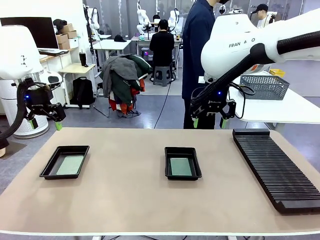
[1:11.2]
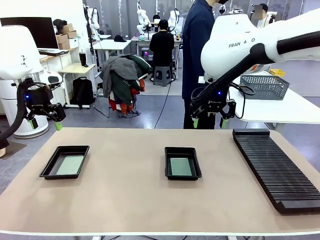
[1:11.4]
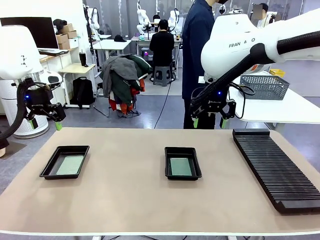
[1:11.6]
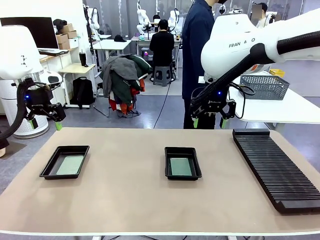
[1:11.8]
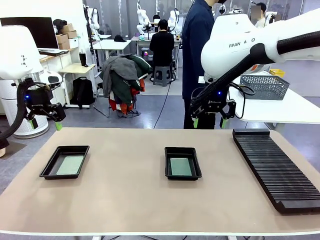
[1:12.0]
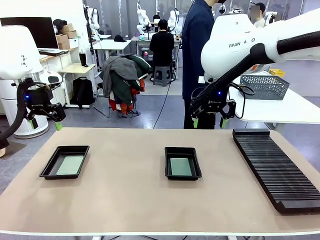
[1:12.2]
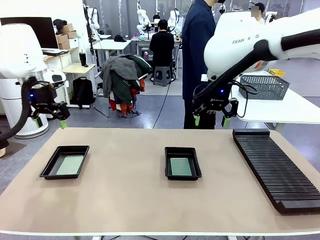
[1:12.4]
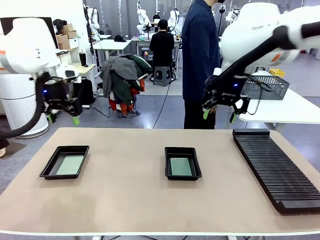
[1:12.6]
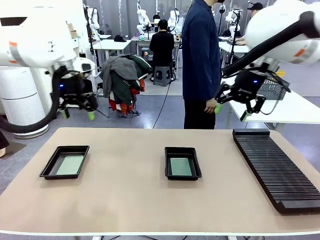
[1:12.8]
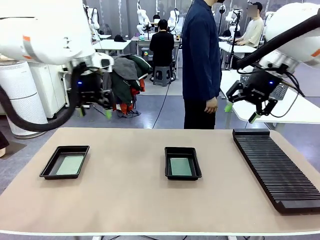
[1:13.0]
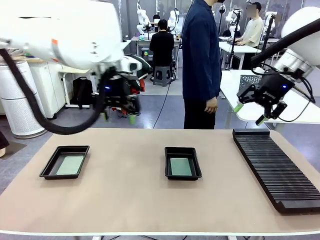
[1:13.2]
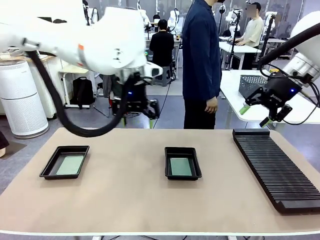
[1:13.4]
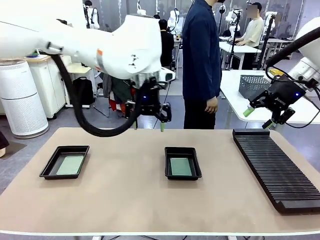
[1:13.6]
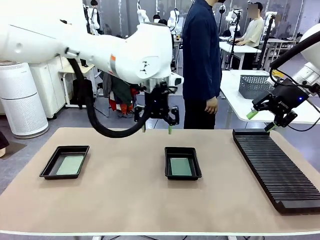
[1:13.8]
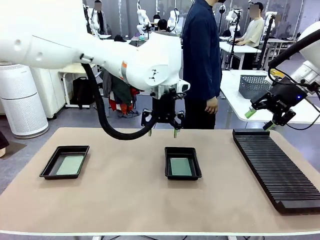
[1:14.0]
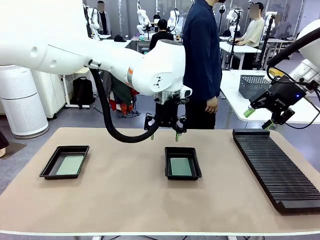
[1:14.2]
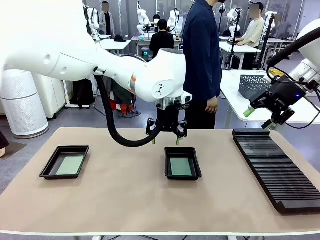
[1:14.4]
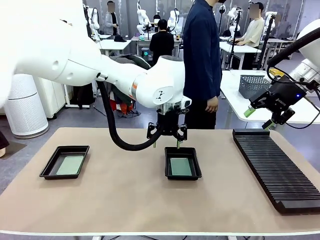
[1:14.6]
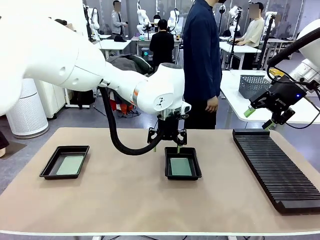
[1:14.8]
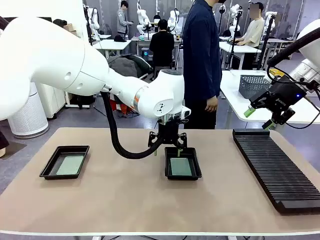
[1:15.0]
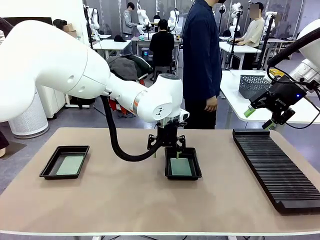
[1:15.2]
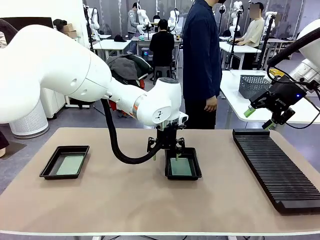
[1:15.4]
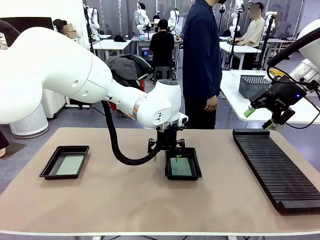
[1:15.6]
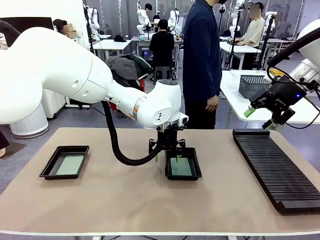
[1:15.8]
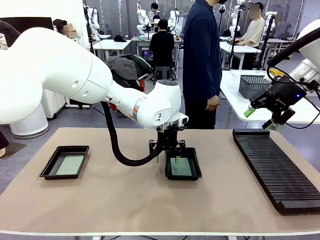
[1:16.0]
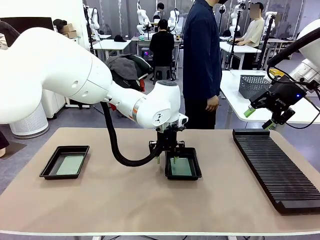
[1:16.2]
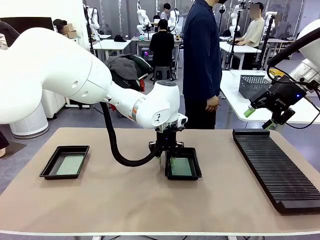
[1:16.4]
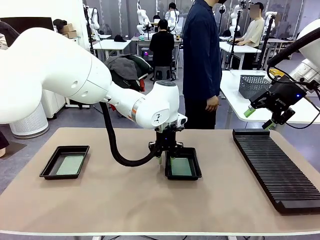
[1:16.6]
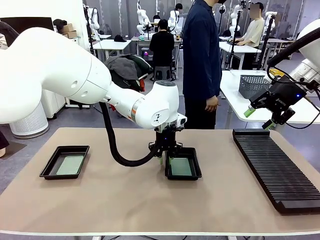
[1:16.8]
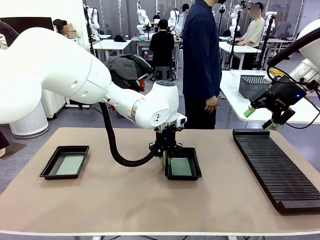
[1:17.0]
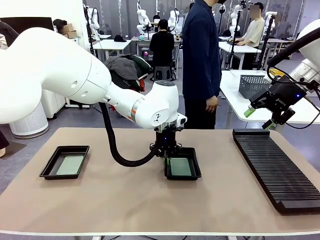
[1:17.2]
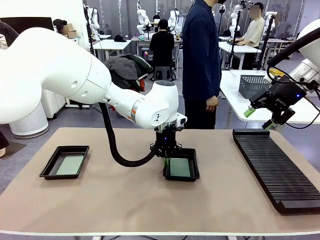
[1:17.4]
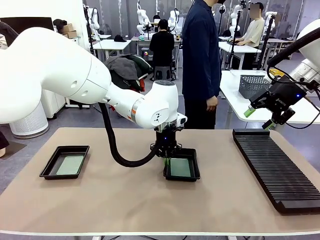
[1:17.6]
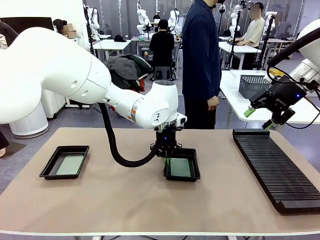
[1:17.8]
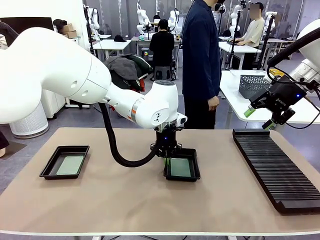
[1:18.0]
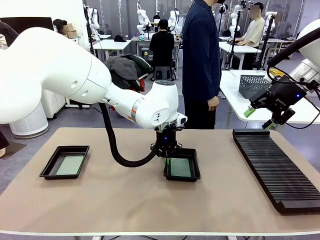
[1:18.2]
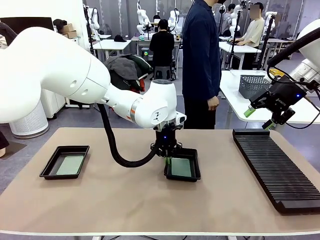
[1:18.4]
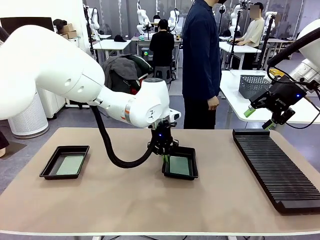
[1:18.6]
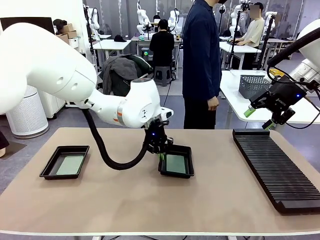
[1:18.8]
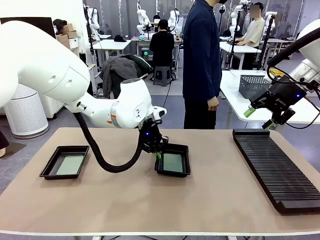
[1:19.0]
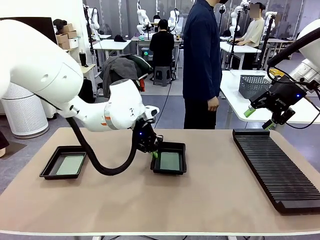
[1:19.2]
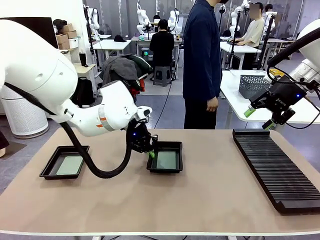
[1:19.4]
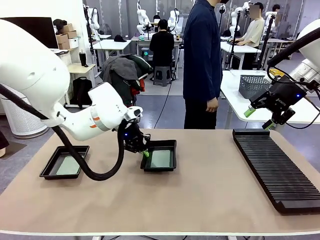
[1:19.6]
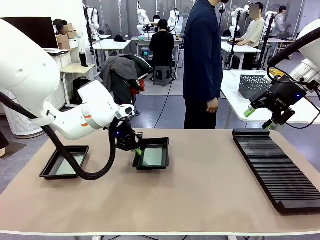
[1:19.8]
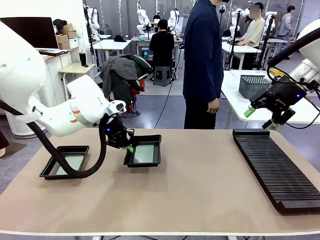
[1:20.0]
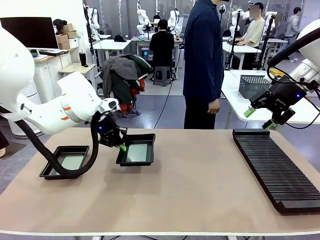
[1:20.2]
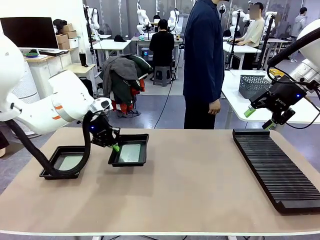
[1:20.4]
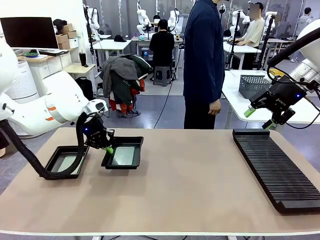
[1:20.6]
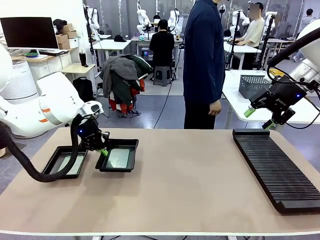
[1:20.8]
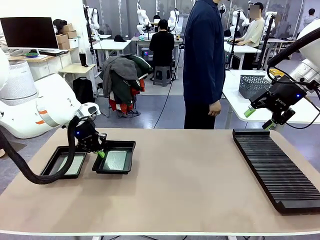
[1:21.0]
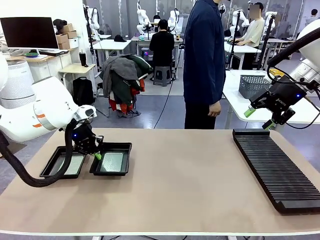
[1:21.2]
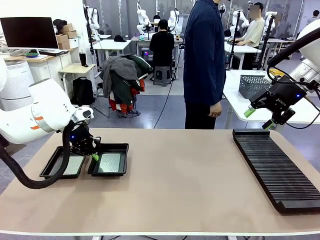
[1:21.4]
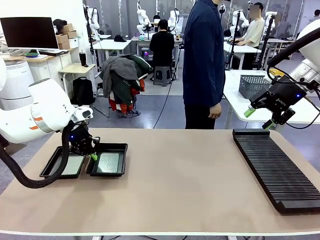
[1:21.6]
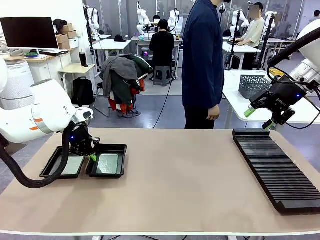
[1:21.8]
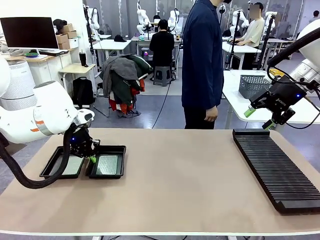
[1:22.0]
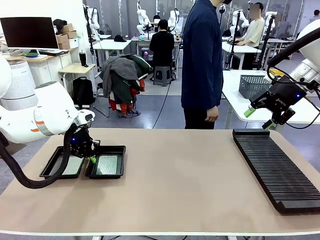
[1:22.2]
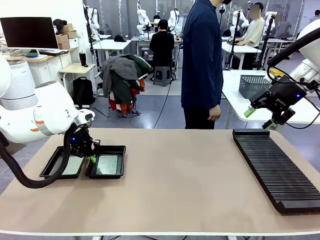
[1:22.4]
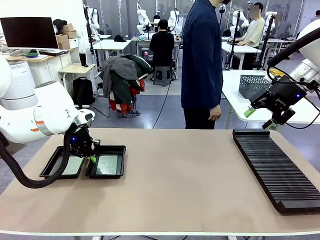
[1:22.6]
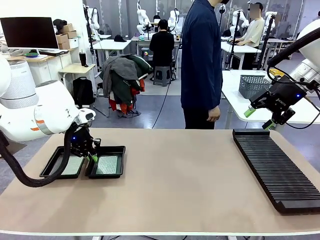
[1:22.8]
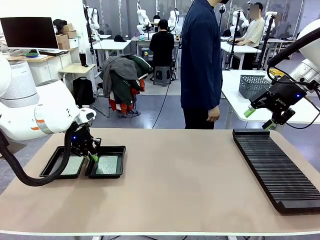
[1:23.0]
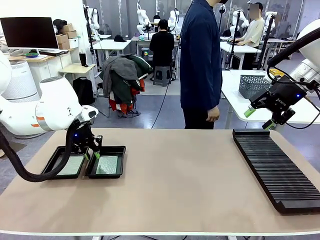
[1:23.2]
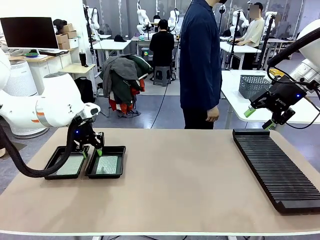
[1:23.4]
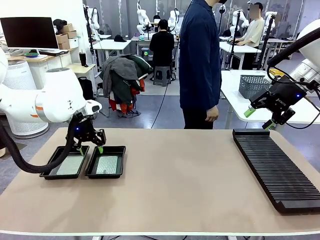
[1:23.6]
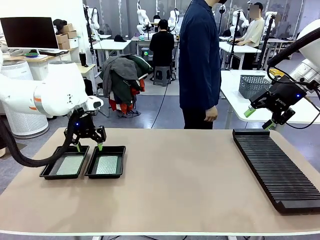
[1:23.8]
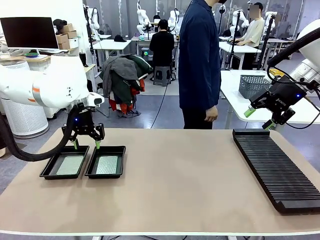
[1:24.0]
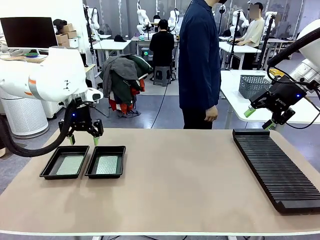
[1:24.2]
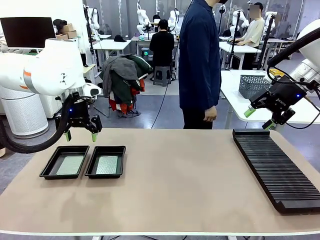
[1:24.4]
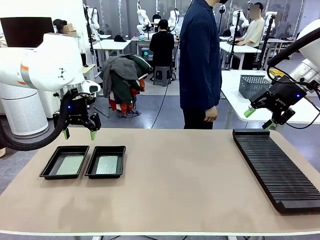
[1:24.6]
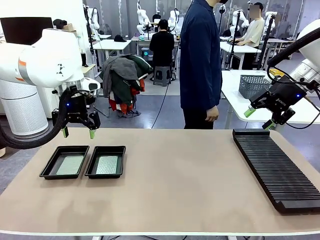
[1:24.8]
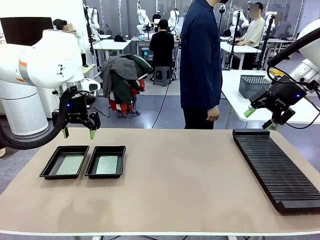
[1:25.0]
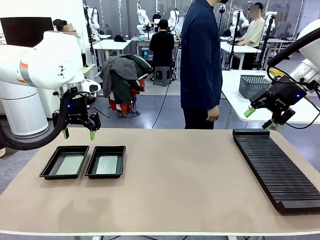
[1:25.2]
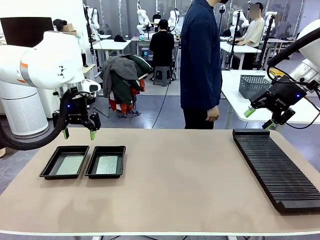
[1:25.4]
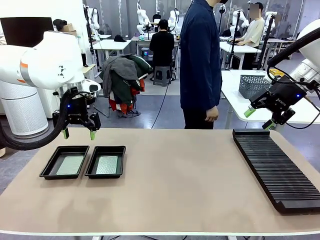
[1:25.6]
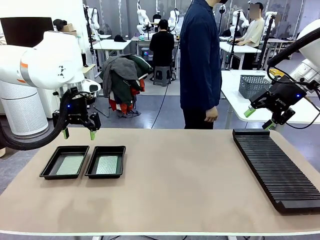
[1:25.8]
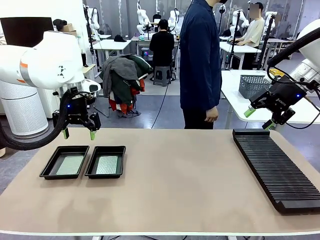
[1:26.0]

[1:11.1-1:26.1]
Task: Inspect and transfer BCBs to ESD trays.
Robot: Pick up the ESD tray and place it on the left side of the table.

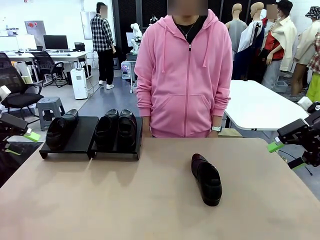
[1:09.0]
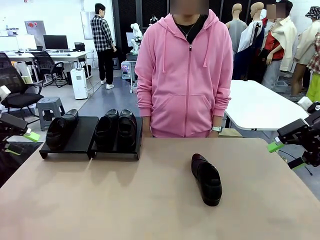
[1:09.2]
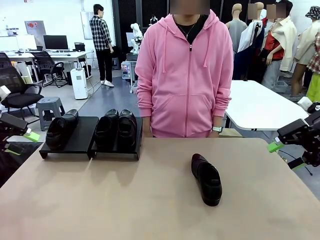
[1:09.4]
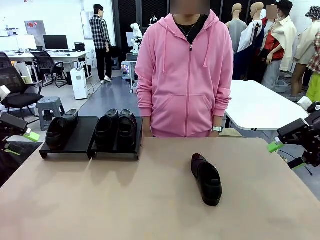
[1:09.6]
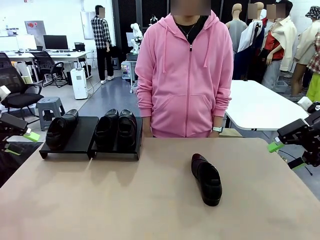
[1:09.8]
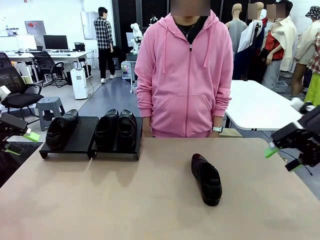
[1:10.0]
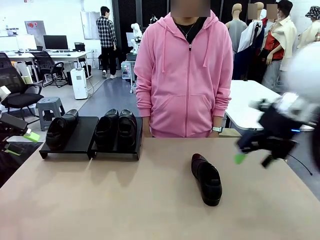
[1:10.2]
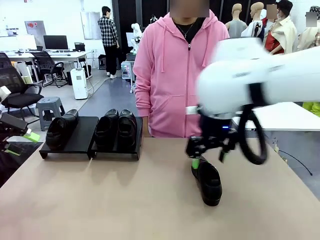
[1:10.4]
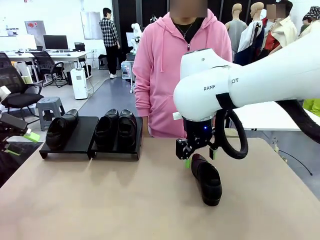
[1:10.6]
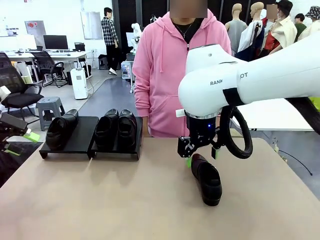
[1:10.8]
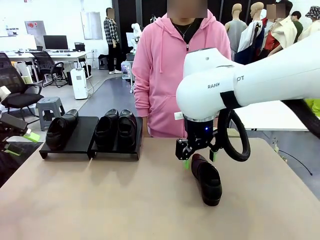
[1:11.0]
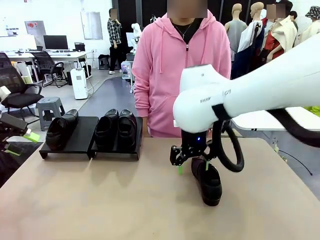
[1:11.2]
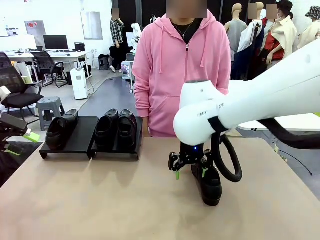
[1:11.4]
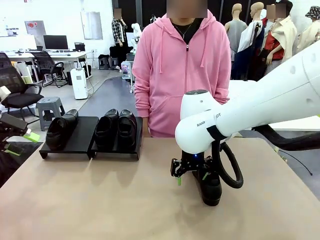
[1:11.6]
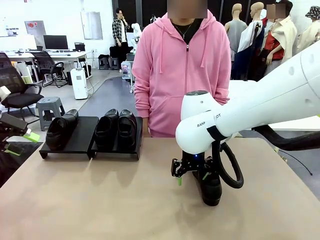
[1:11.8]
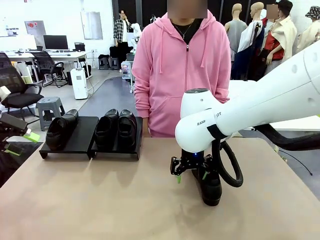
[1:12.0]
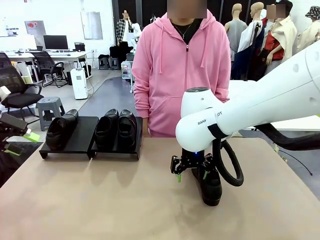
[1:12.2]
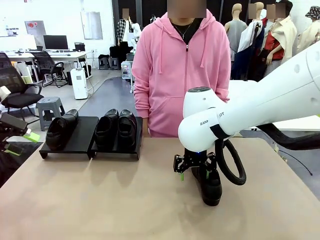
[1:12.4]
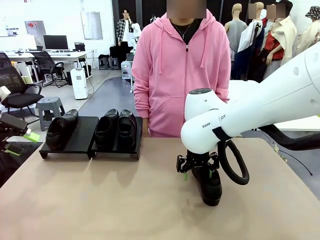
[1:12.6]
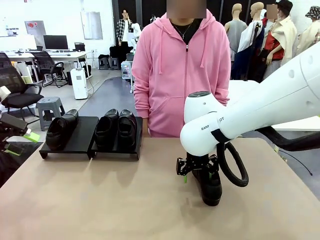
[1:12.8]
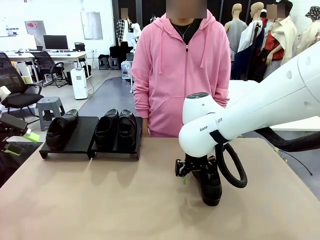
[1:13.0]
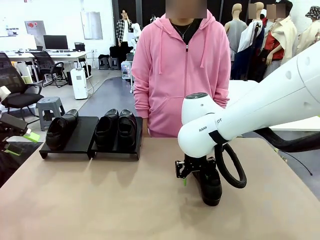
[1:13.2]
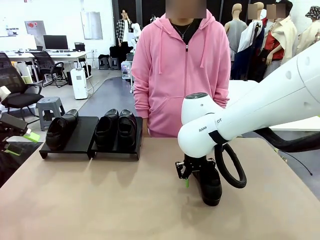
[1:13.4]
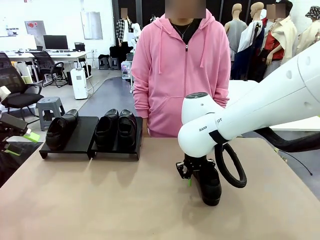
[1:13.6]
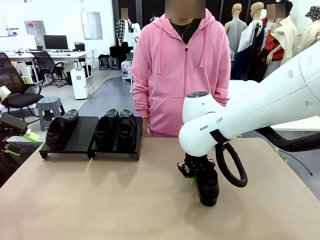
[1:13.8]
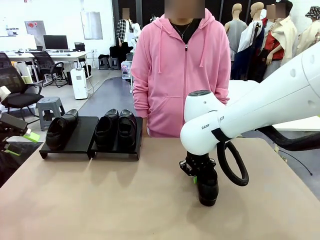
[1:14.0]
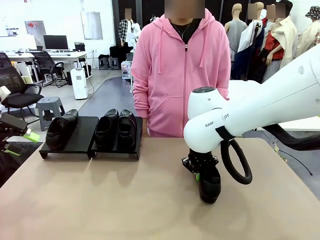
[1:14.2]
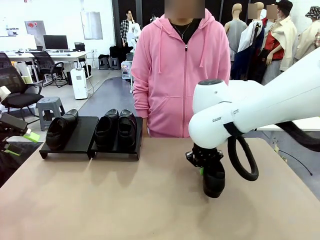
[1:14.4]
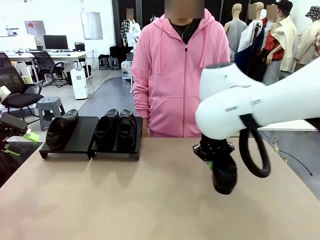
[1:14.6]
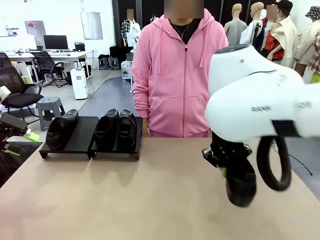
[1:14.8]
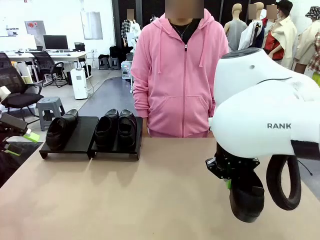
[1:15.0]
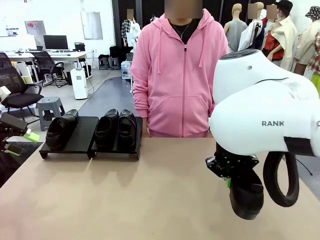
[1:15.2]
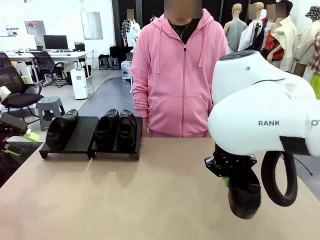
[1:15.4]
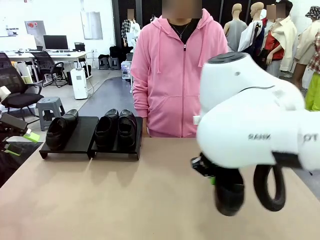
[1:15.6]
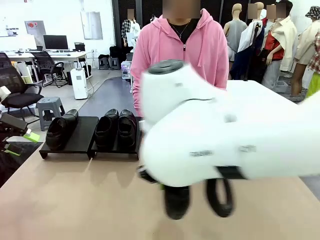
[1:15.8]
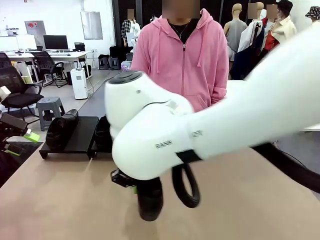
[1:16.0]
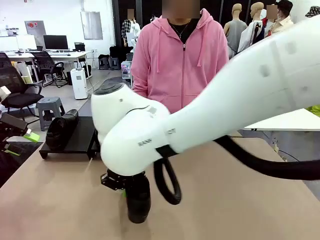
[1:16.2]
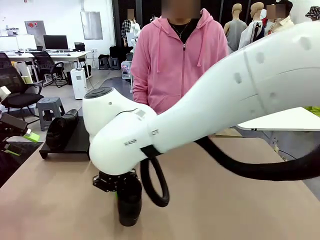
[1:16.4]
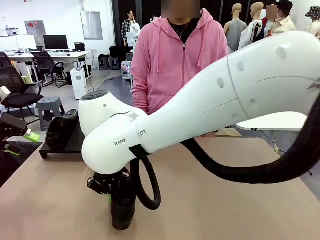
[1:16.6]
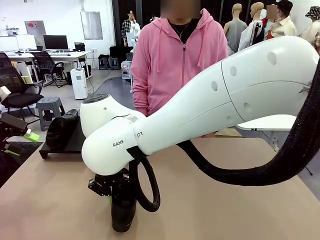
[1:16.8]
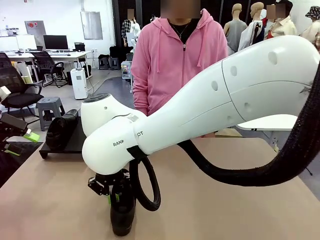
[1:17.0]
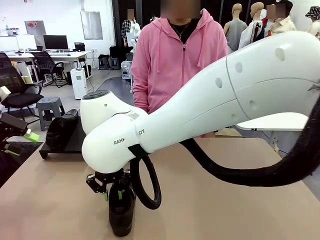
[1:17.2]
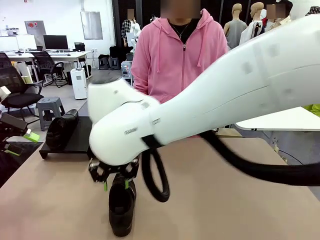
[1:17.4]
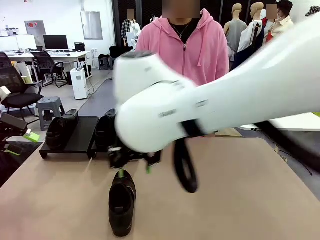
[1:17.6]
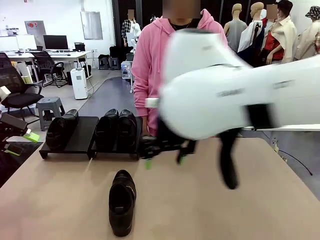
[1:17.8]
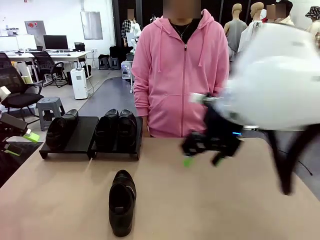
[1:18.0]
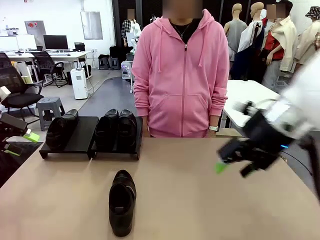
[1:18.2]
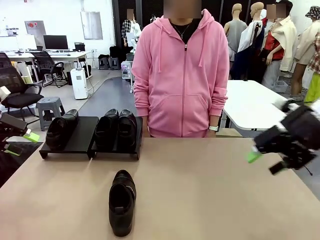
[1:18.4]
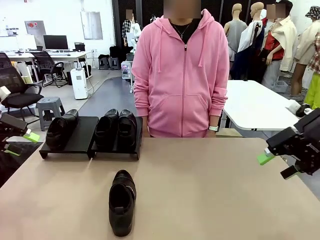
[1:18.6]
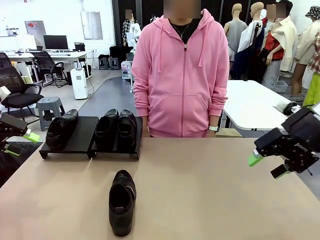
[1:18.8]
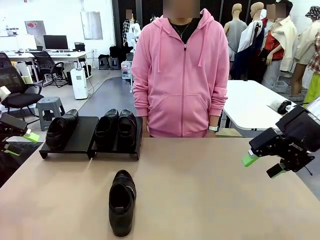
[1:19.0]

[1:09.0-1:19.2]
Task: Organize the shoes by placing them on the stand.
Robot: Pick up one Shoe and place it in the middle of the table.
